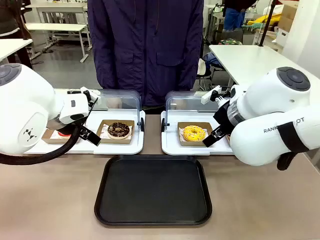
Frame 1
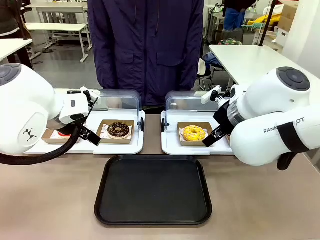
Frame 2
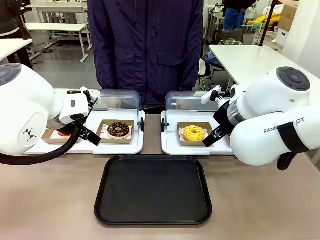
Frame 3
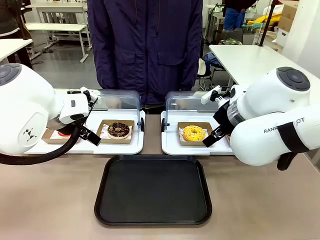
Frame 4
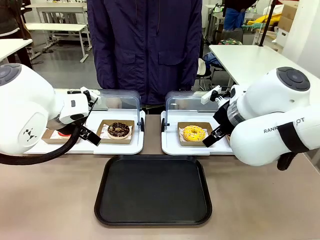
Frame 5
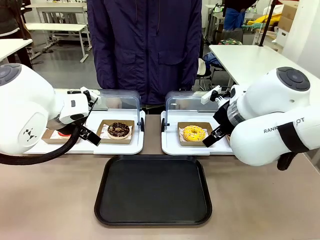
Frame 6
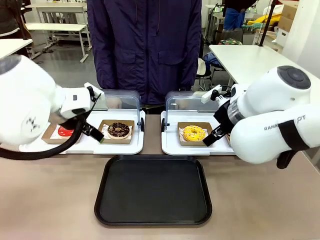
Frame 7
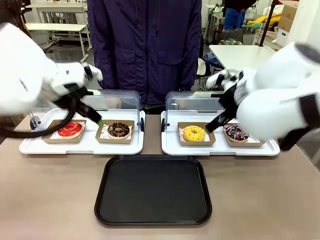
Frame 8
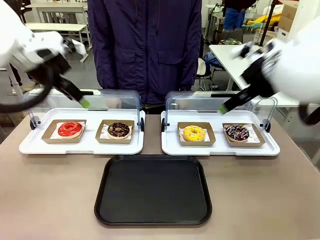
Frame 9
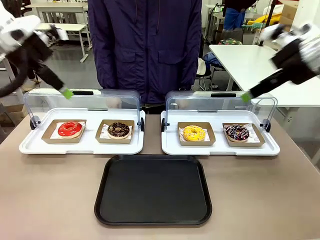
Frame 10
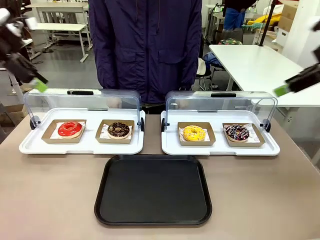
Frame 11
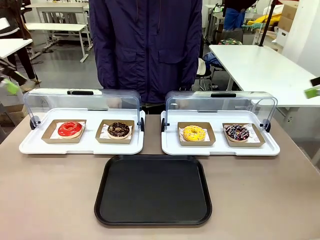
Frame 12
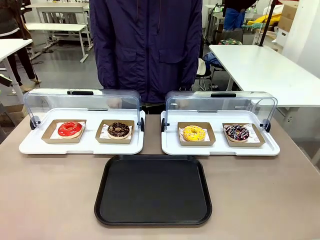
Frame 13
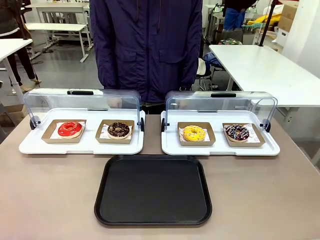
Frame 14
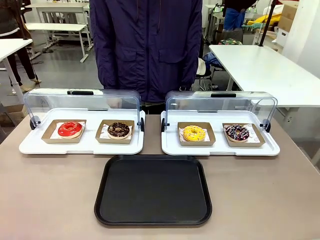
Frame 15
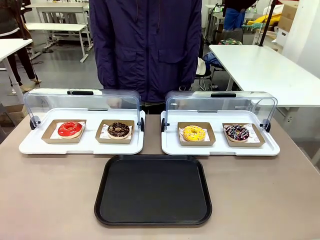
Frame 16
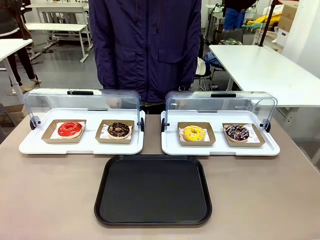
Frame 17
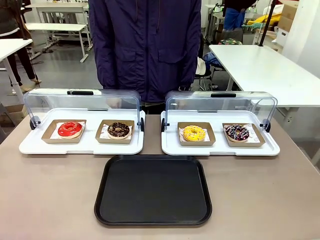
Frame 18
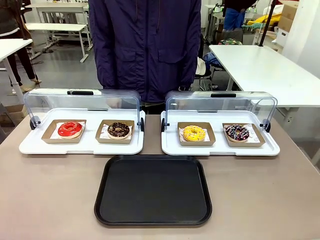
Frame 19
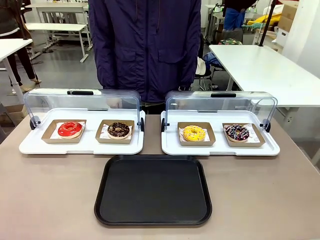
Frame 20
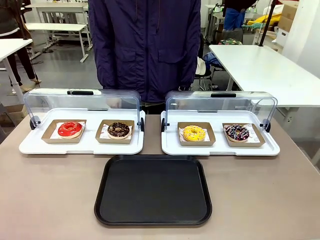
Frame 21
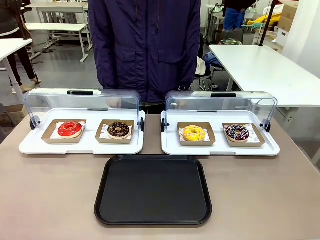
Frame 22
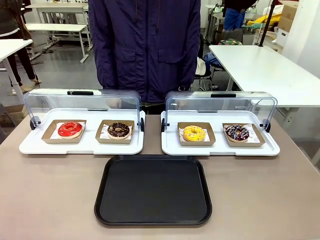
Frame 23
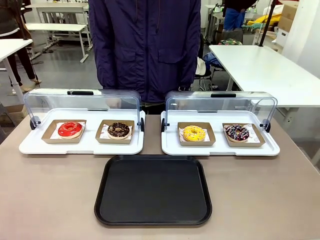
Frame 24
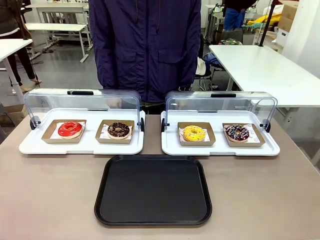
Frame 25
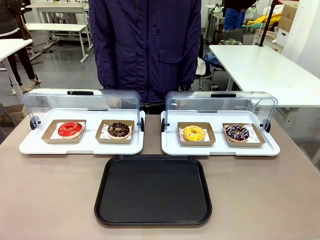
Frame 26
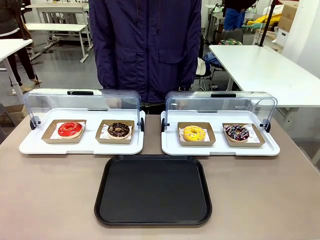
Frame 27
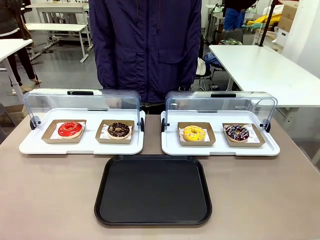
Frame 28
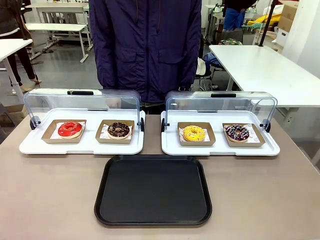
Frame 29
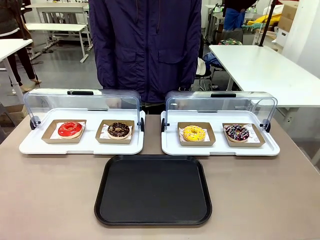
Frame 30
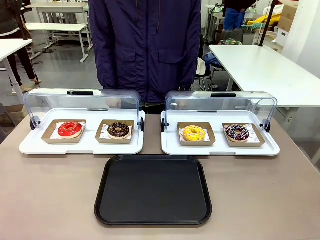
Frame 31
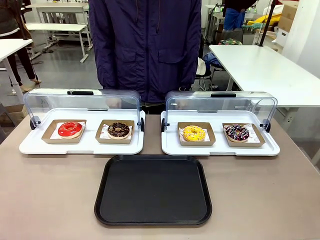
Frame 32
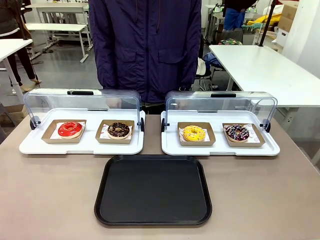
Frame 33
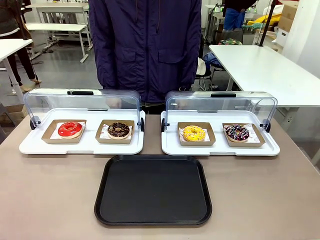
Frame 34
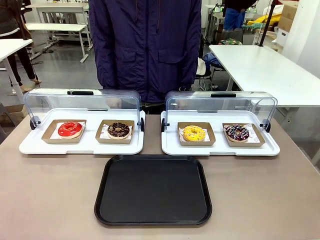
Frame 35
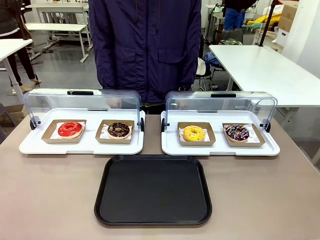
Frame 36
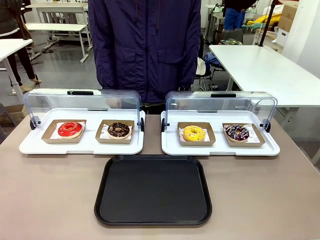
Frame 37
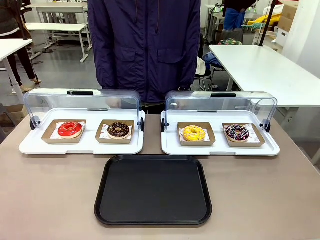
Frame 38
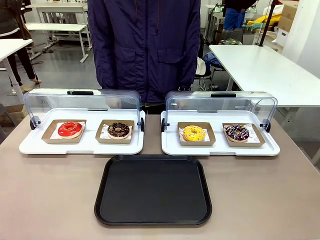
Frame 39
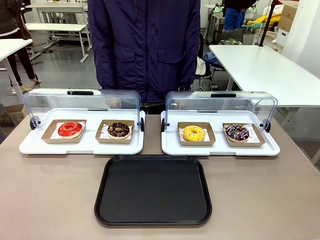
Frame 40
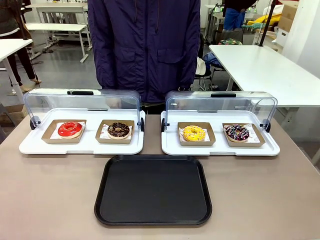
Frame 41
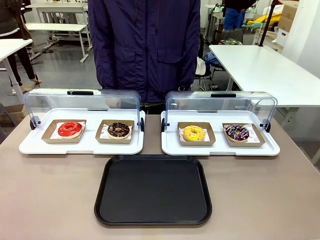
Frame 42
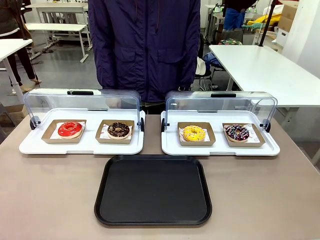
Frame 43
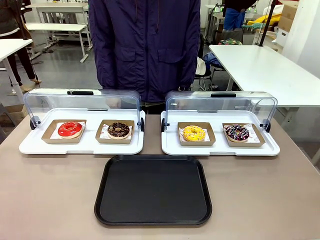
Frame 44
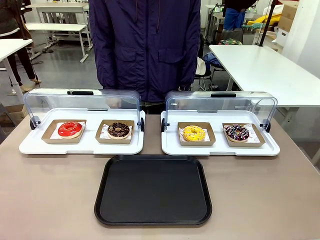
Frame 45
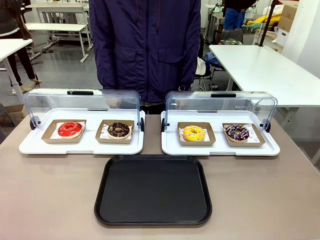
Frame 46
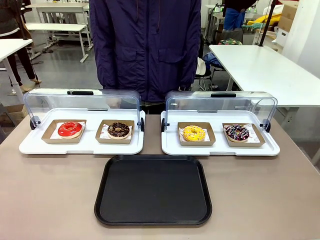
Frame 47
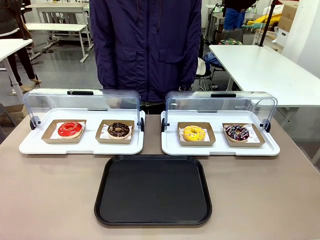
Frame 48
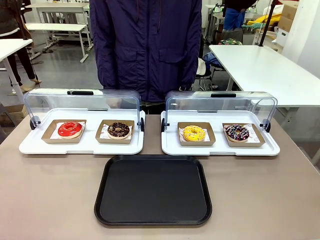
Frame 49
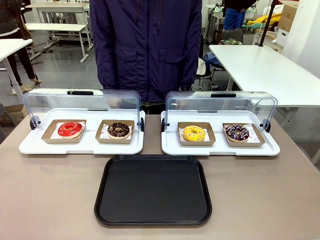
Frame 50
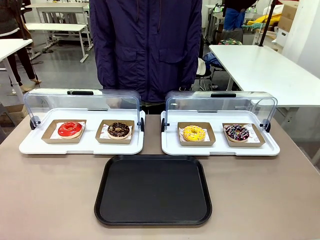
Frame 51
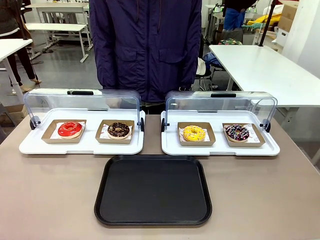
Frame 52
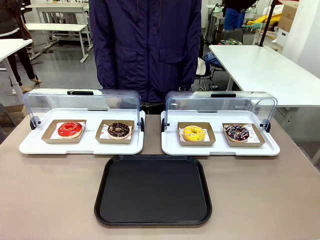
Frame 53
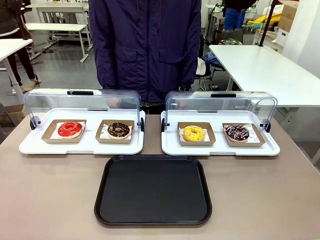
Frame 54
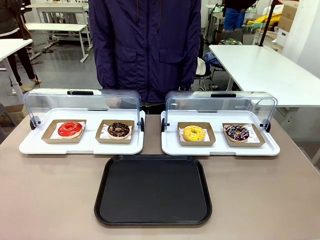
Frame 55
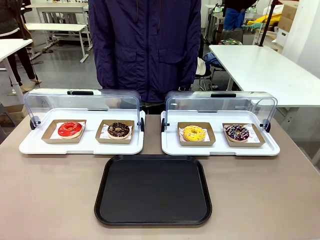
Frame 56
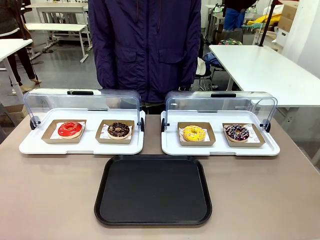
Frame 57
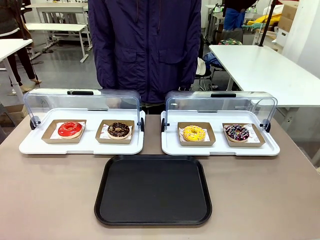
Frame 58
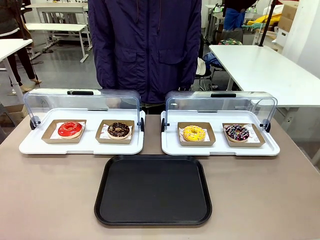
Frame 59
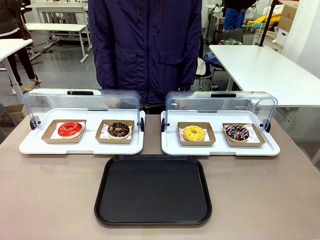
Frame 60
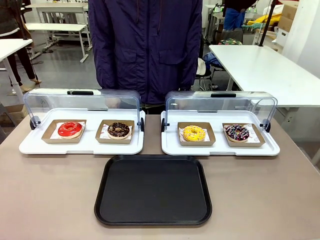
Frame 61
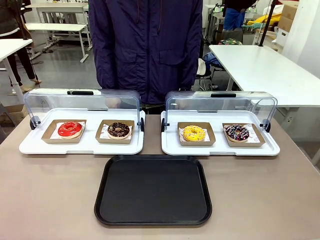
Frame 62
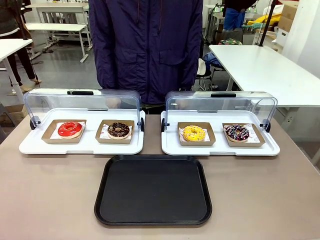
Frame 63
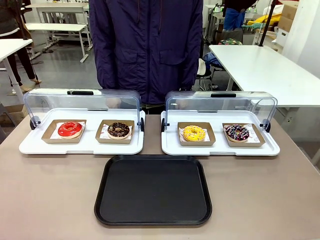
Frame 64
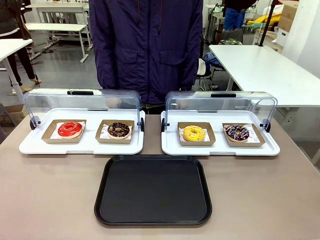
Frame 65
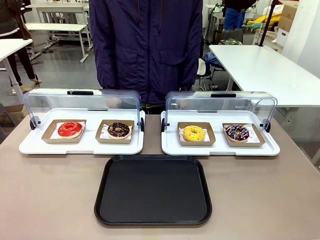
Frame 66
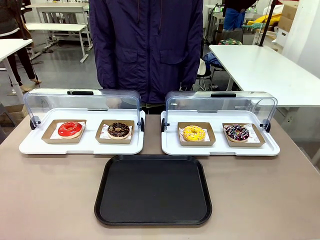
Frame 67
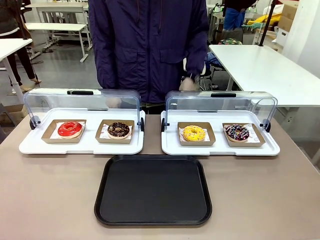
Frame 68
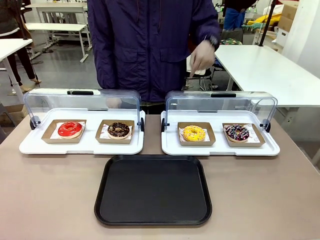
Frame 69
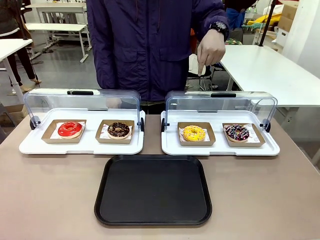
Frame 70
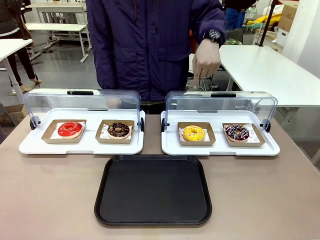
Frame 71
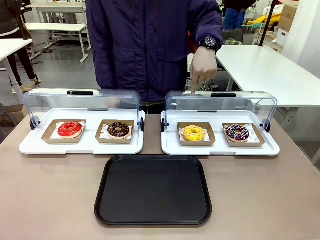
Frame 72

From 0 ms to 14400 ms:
Task: Move the third donut from the left to the tray.
Robot: Pick up the Paper togo box containing the Donut indicated by the person and place it on the Handle tray.
